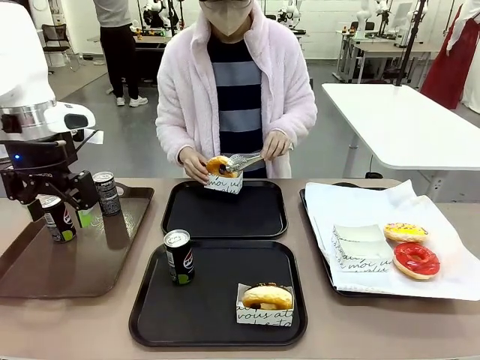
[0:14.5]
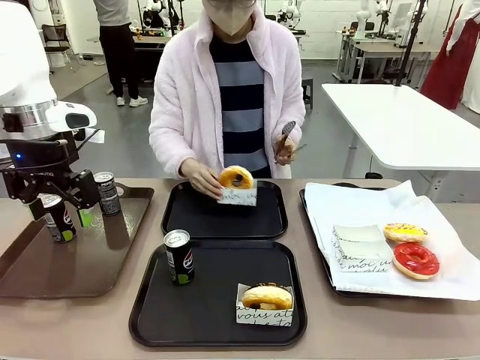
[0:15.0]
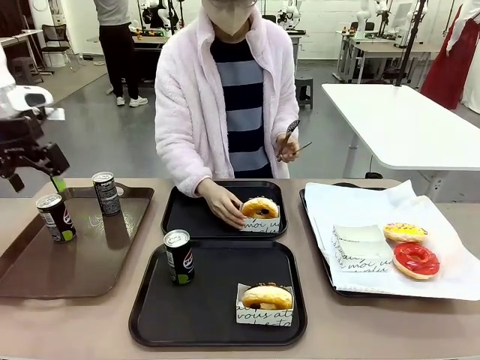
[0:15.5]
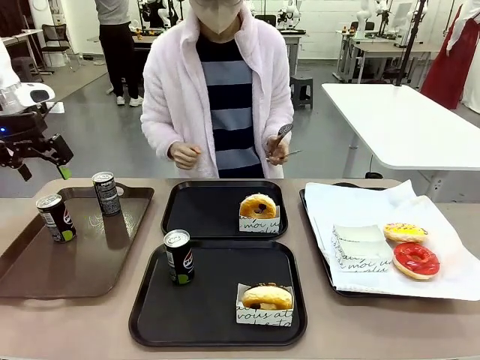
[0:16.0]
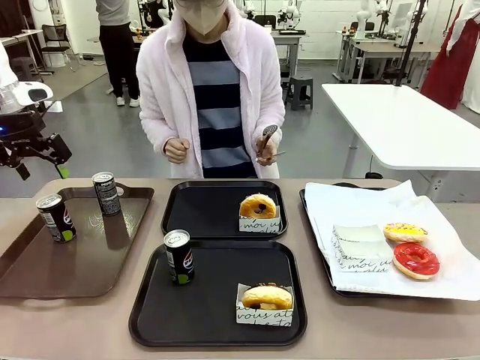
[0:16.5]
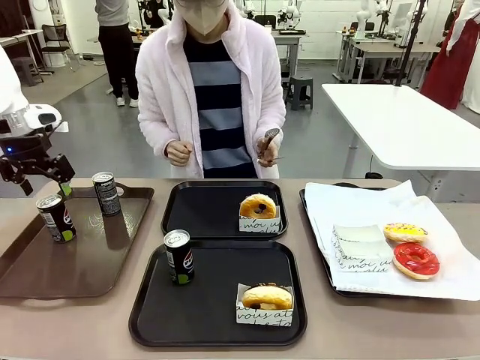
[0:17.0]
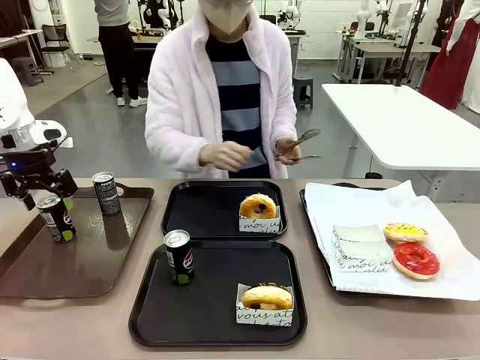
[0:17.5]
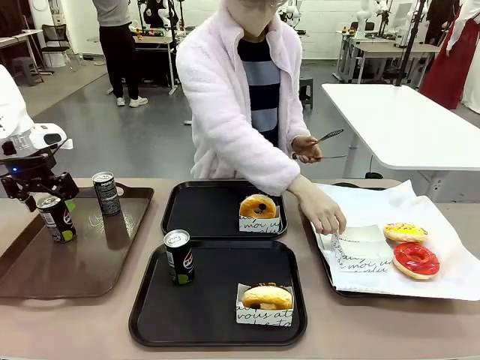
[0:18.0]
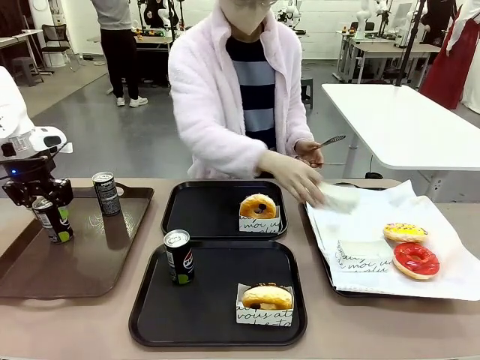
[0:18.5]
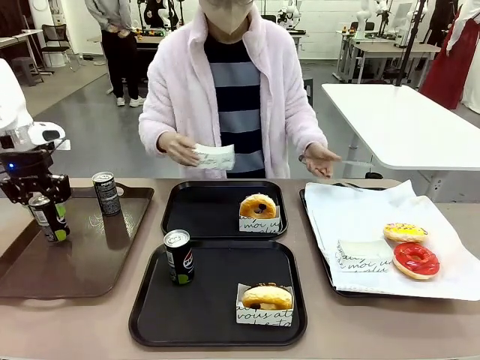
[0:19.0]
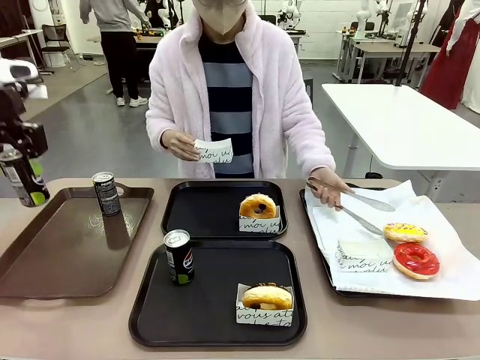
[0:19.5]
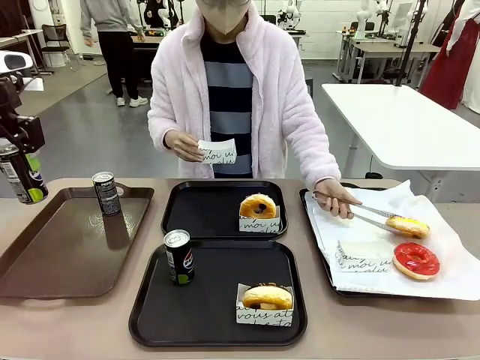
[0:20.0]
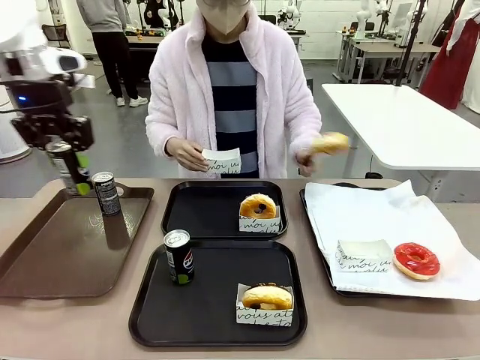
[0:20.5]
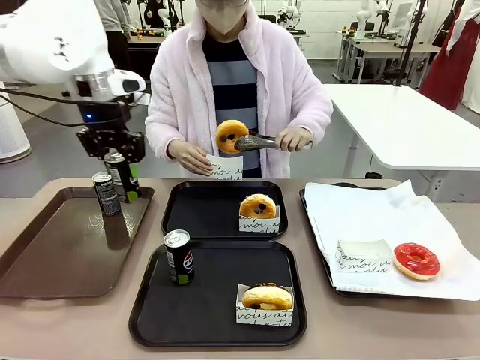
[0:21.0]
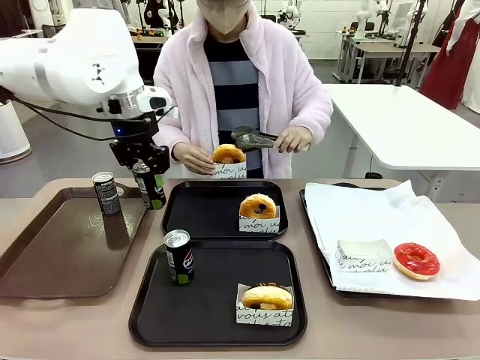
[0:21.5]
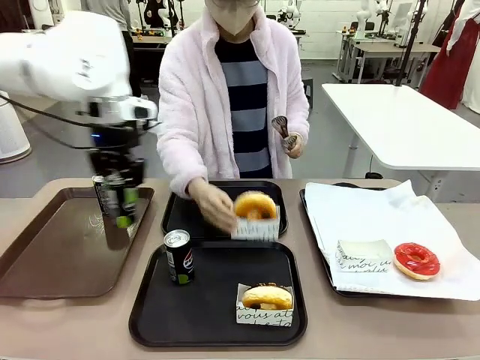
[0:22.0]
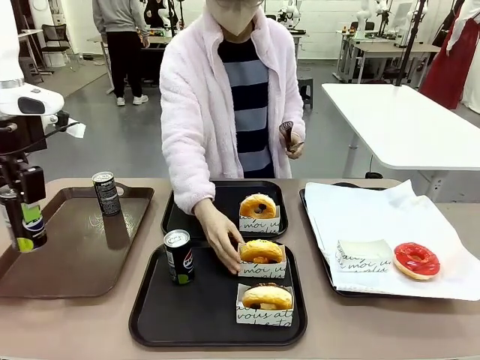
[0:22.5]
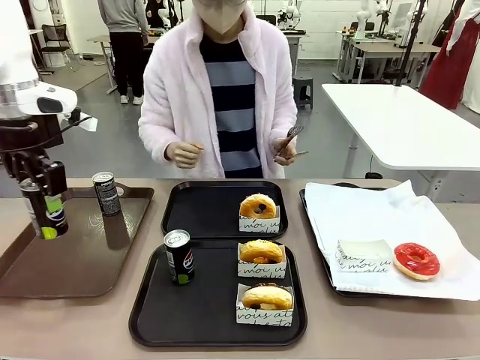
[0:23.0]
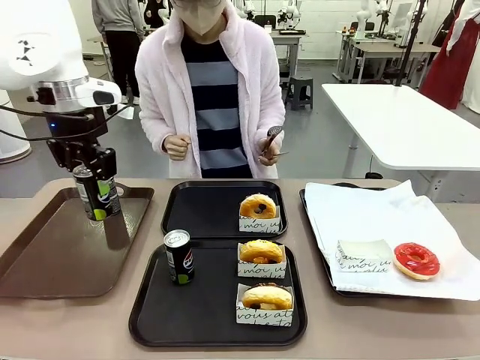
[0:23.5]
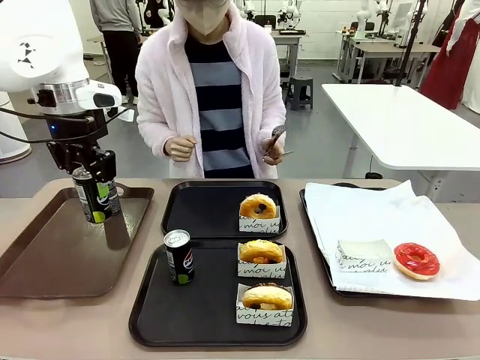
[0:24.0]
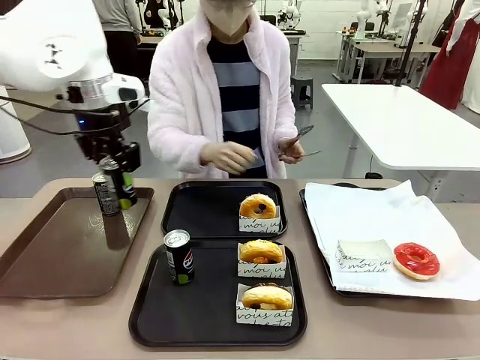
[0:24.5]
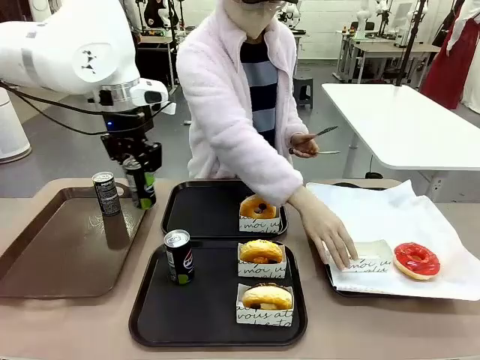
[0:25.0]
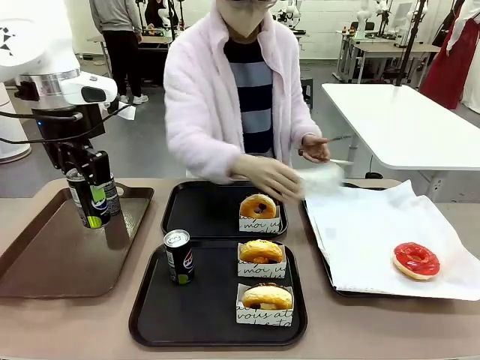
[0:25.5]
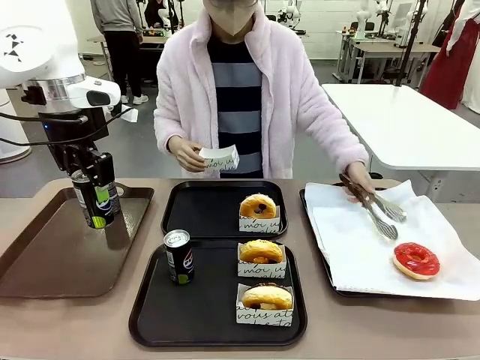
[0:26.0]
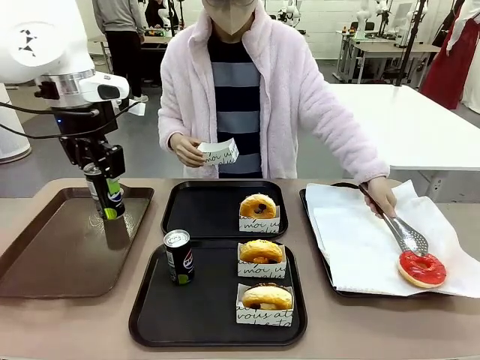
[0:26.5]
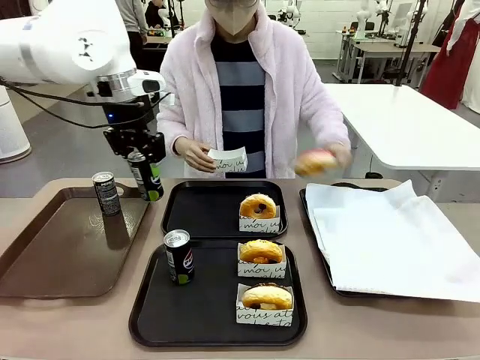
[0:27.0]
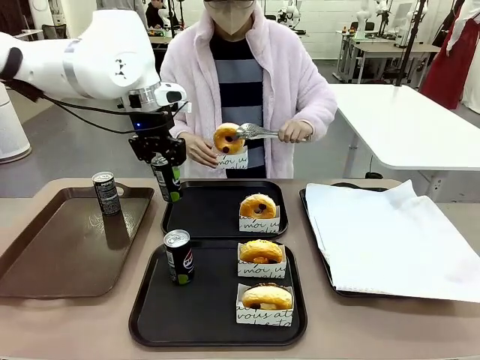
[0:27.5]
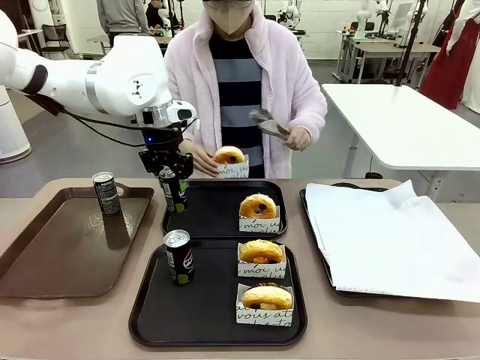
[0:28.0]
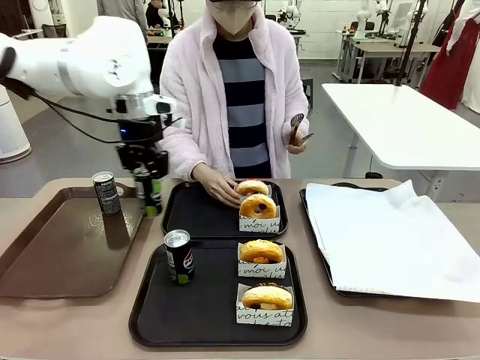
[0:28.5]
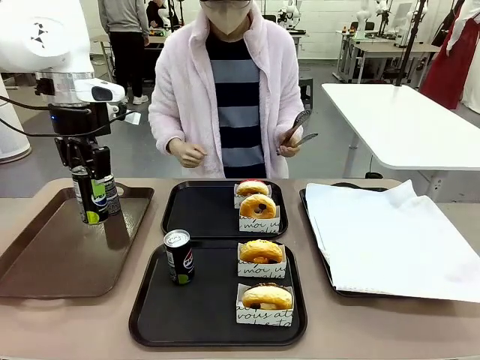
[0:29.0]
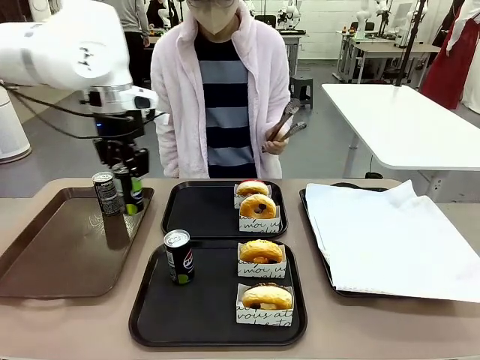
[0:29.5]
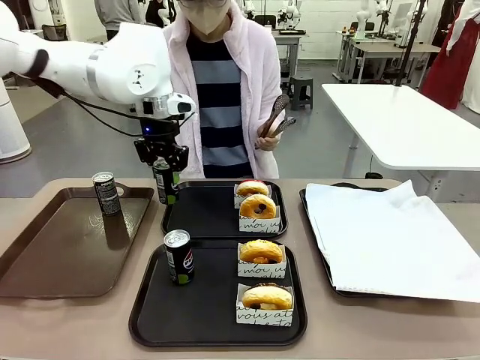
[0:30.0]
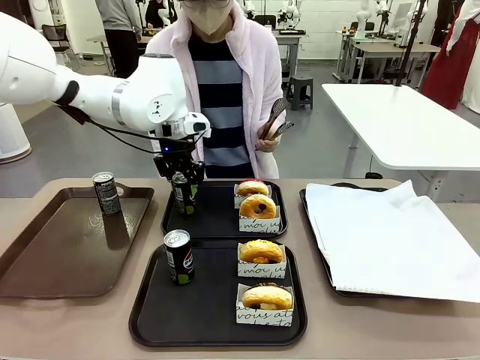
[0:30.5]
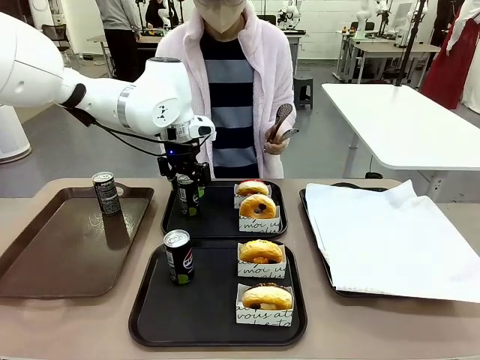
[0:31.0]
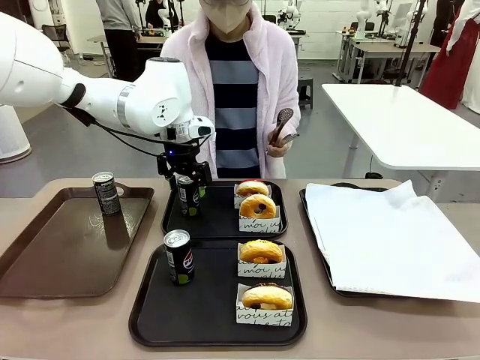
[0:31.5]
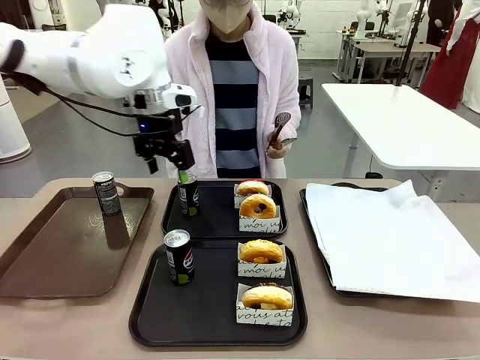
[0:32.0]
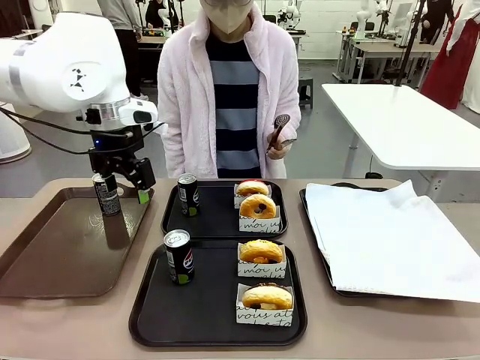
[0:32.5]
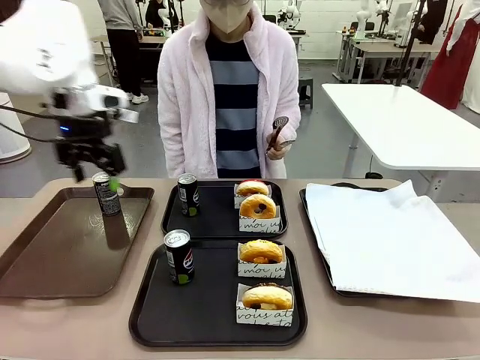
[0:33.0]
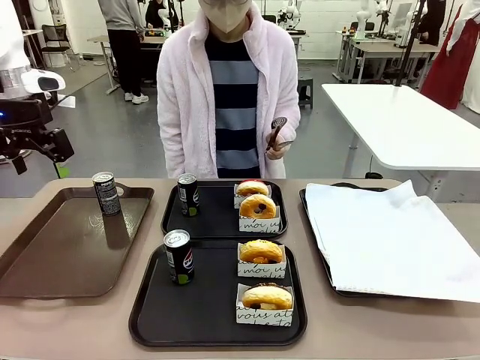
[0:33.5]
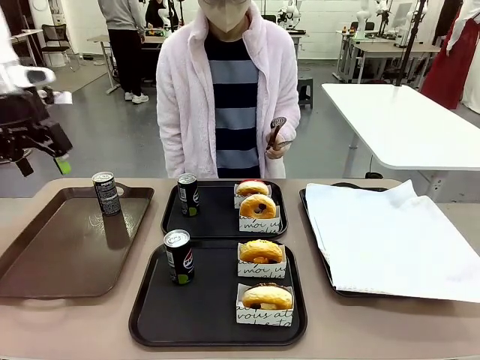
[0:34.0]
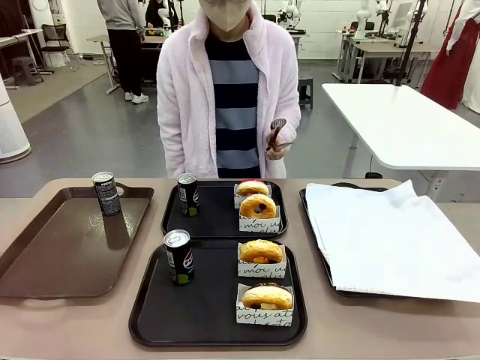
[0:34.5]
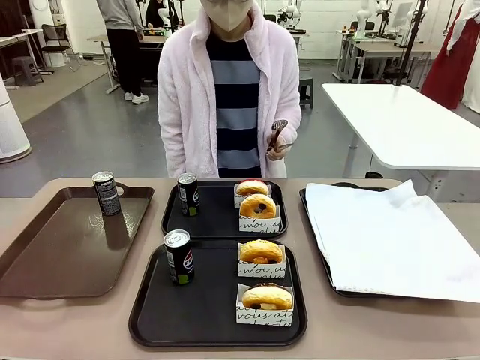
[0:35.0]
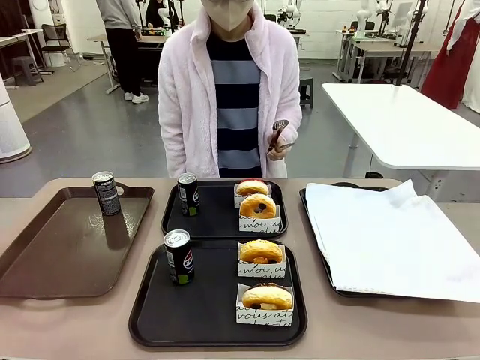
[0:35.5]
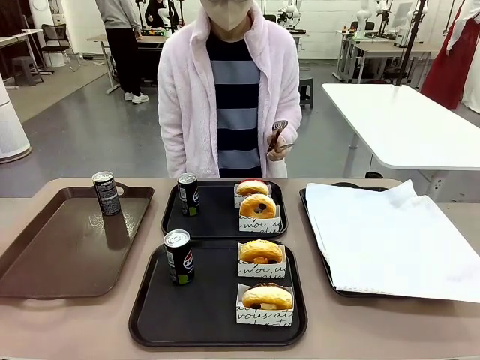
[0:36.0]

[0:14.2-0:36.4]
Task: Set up donuts and drinks on trays.
Robot: Pick up one Pepsi coke from the Handle tray and place it on the Flat Tray without a Pepsi coke.
Person: Pick up one donut with tongs, place it in the donut tray, and then place the donut tray on the flat tray.
